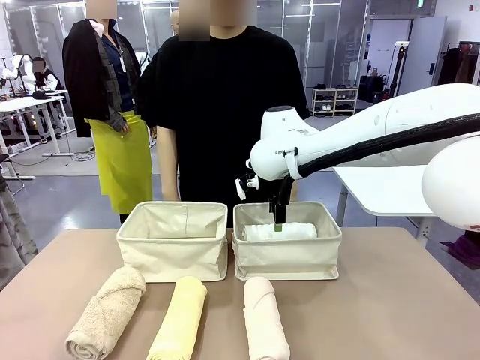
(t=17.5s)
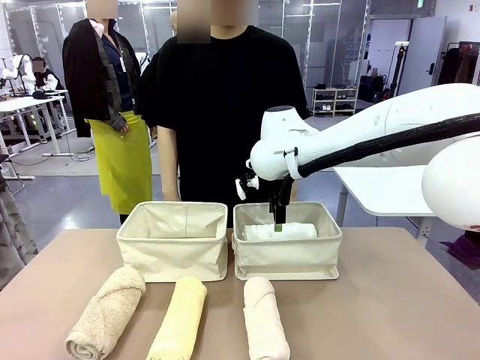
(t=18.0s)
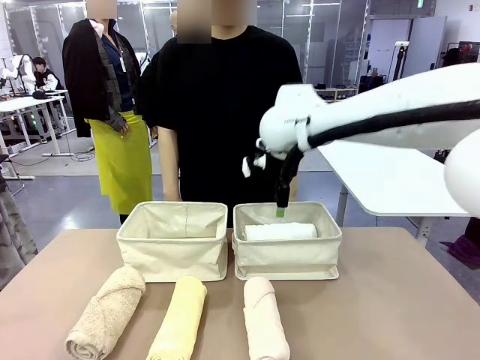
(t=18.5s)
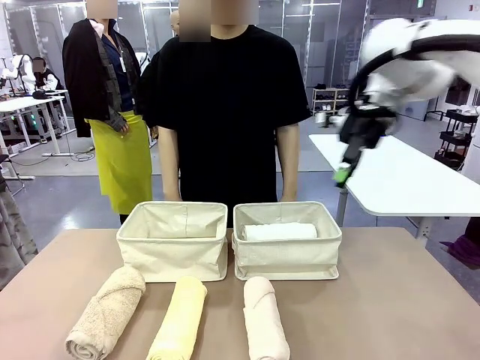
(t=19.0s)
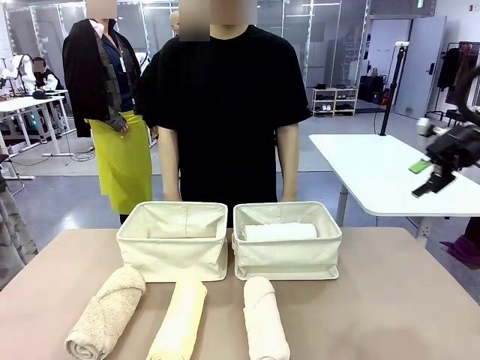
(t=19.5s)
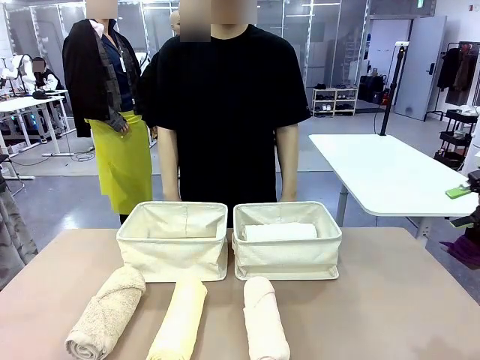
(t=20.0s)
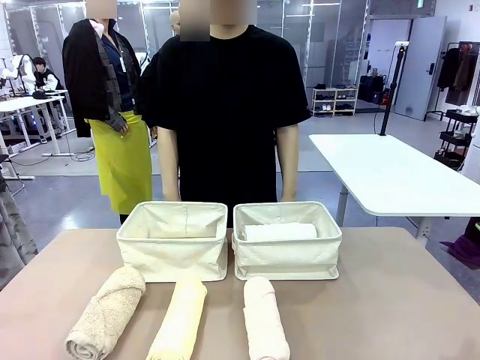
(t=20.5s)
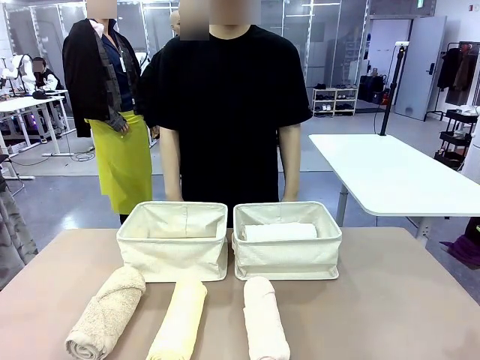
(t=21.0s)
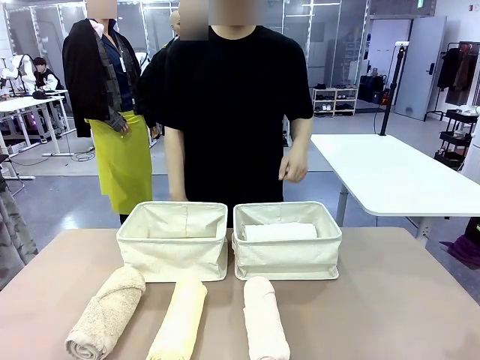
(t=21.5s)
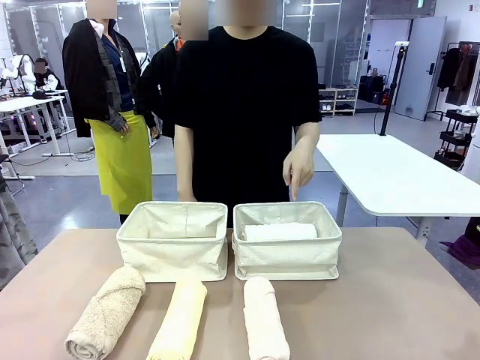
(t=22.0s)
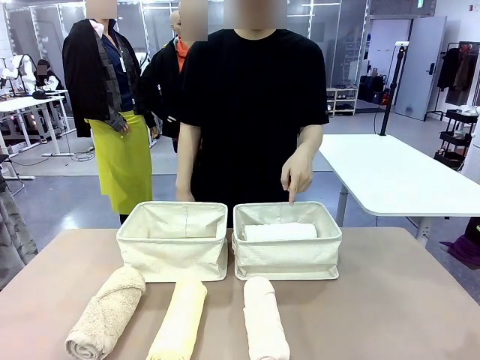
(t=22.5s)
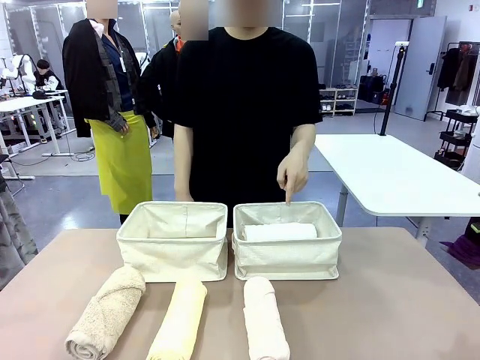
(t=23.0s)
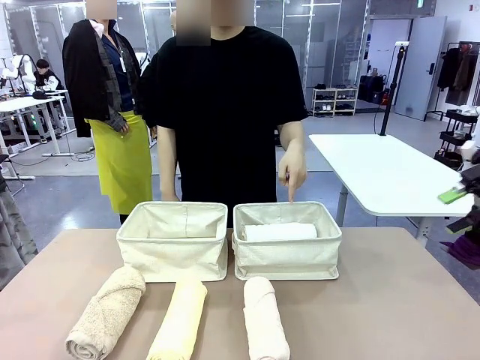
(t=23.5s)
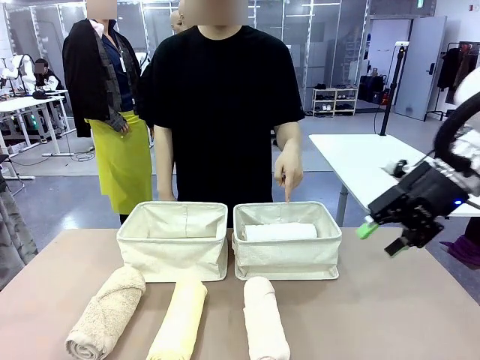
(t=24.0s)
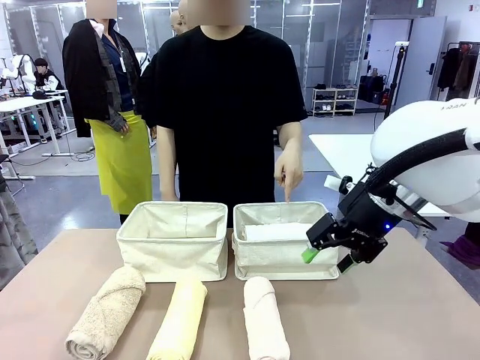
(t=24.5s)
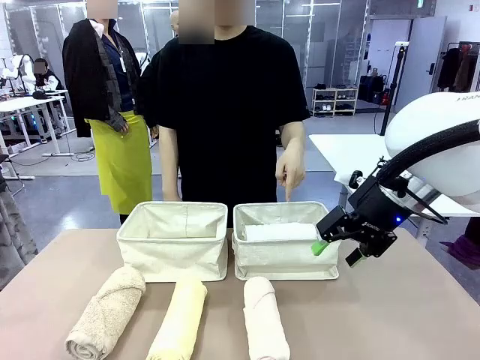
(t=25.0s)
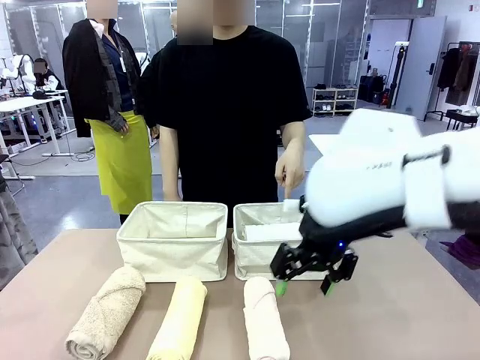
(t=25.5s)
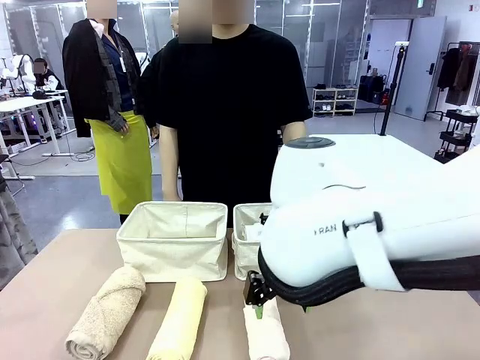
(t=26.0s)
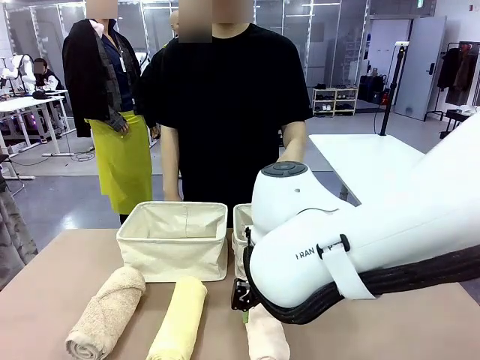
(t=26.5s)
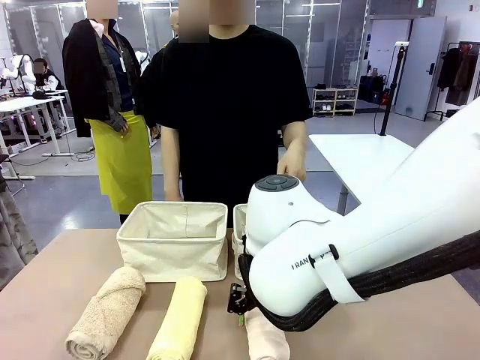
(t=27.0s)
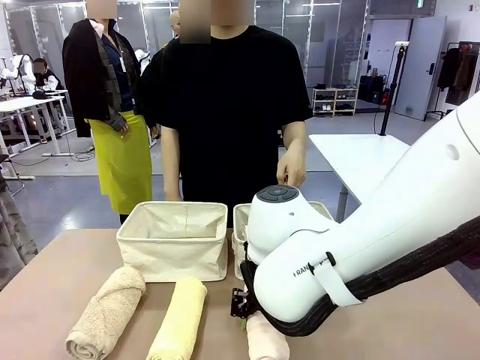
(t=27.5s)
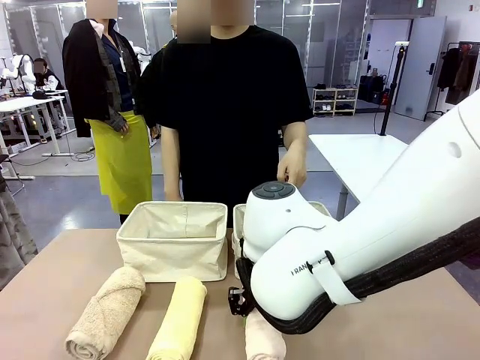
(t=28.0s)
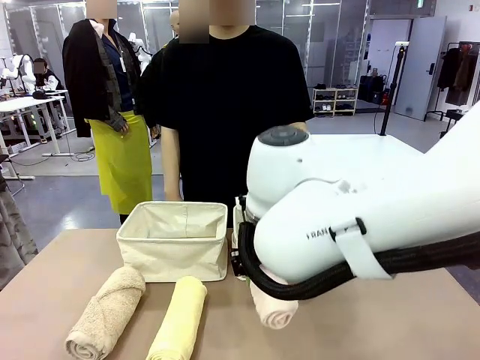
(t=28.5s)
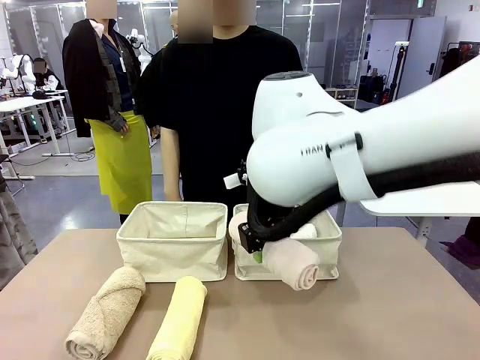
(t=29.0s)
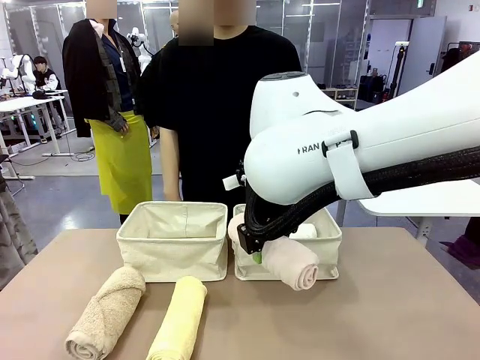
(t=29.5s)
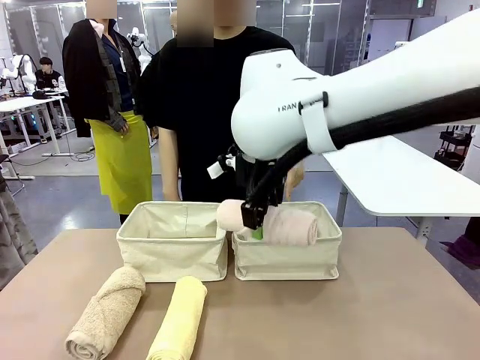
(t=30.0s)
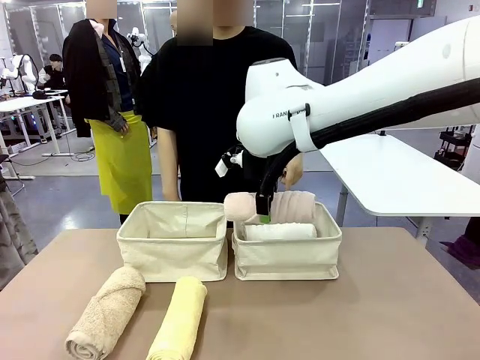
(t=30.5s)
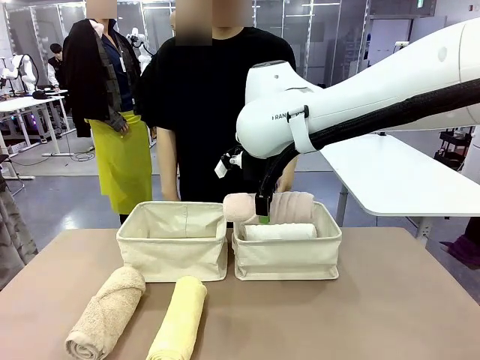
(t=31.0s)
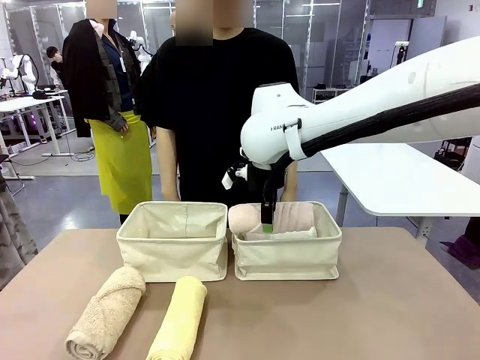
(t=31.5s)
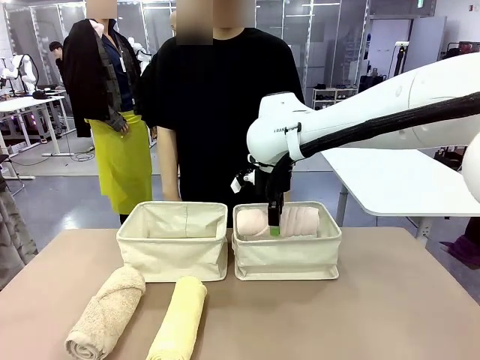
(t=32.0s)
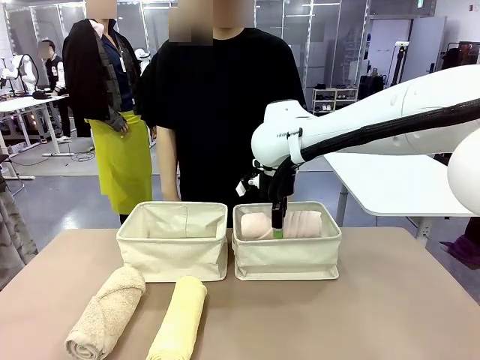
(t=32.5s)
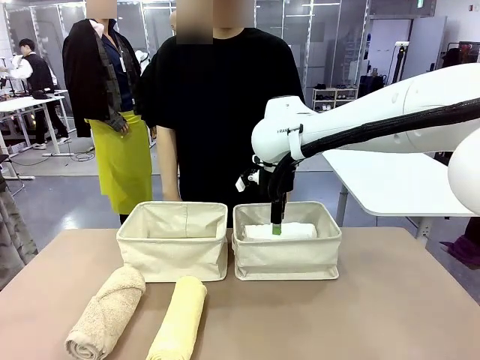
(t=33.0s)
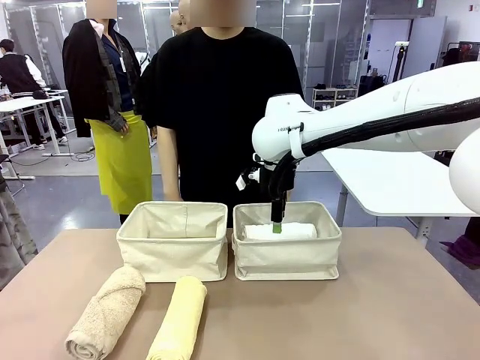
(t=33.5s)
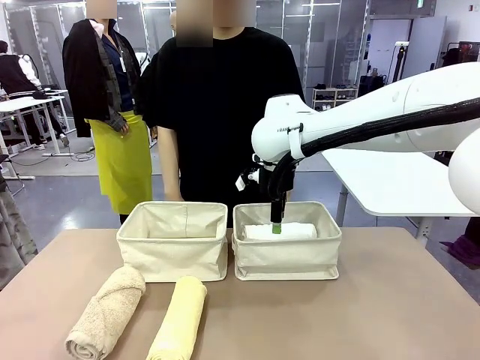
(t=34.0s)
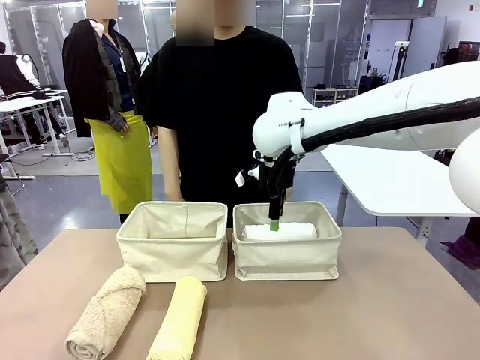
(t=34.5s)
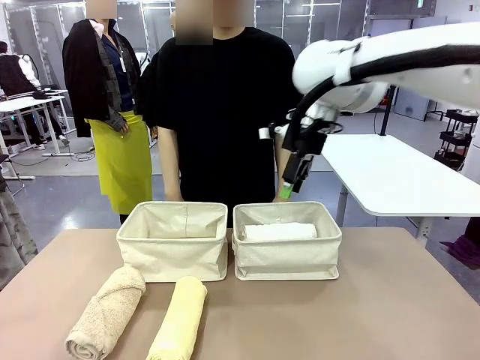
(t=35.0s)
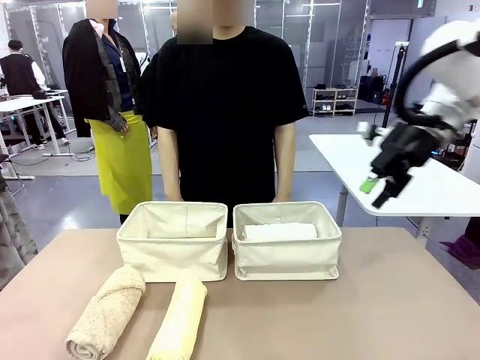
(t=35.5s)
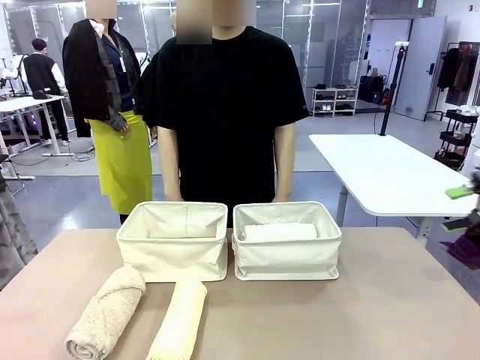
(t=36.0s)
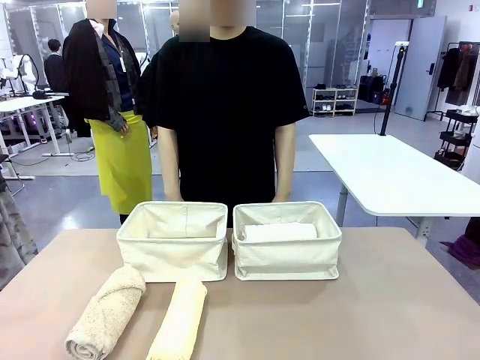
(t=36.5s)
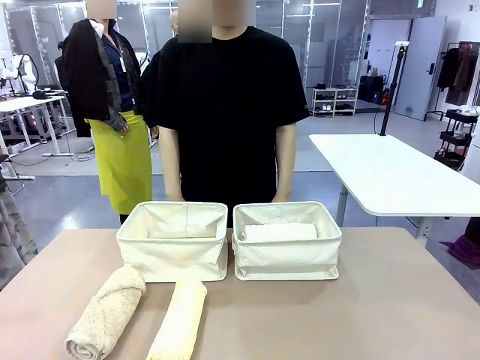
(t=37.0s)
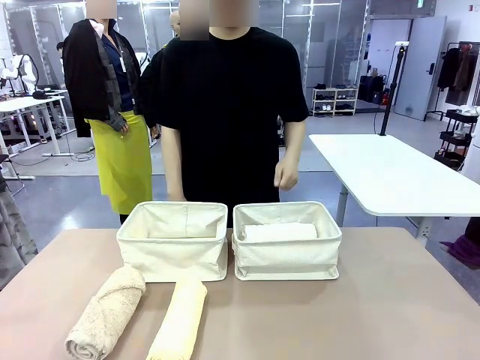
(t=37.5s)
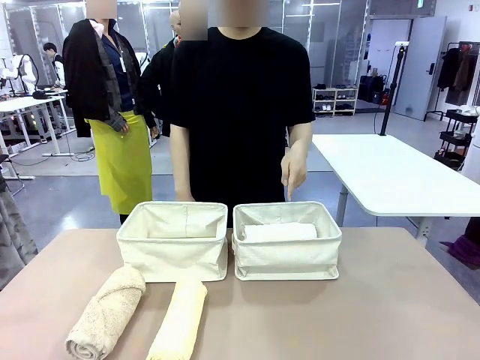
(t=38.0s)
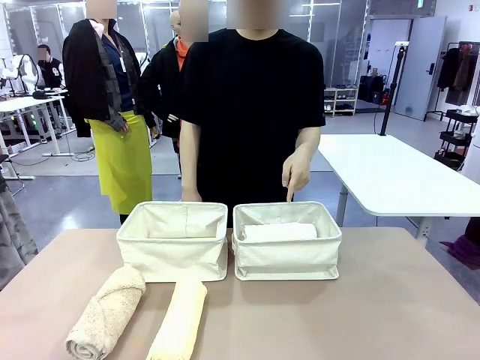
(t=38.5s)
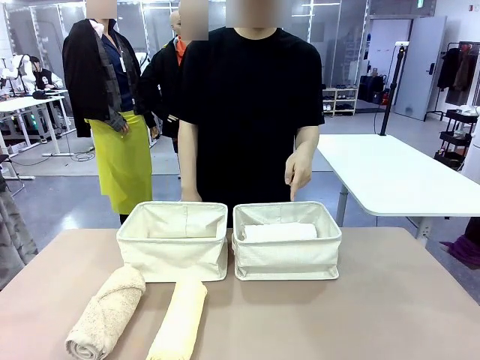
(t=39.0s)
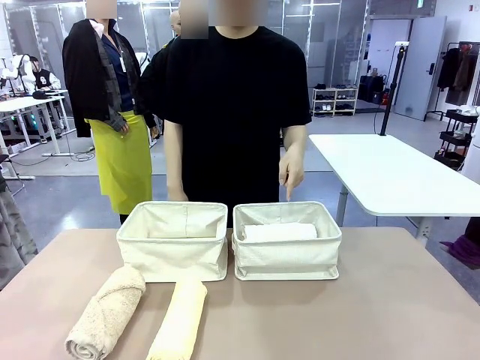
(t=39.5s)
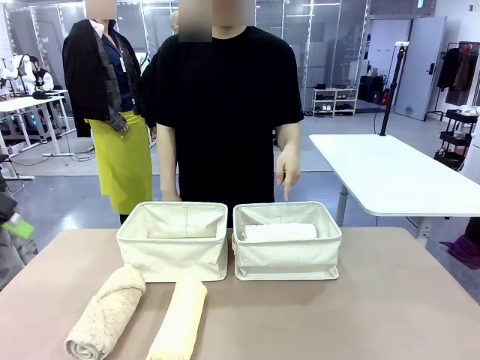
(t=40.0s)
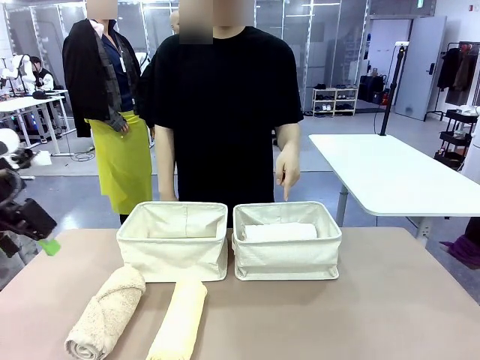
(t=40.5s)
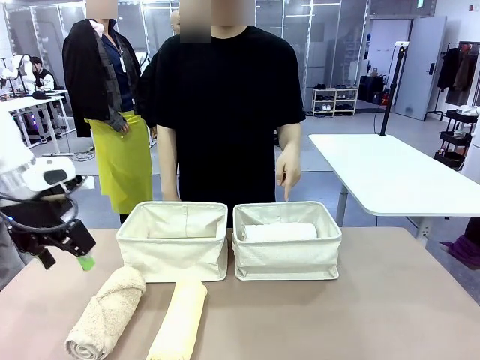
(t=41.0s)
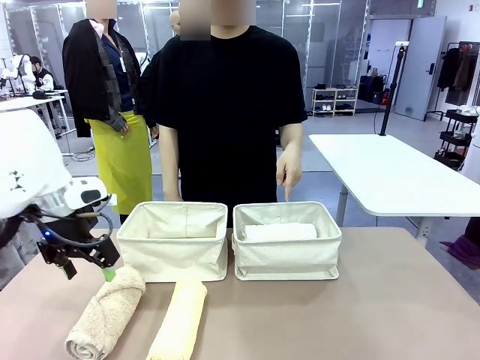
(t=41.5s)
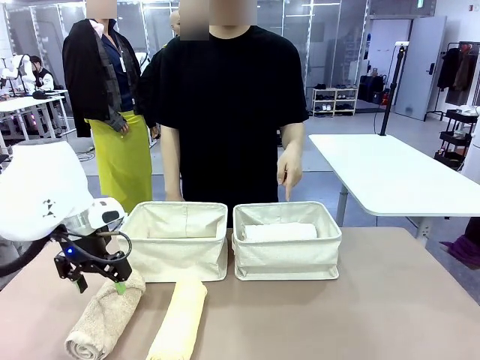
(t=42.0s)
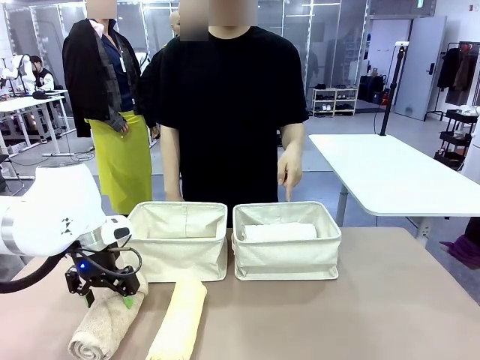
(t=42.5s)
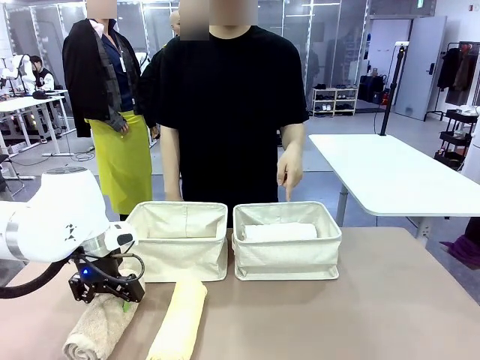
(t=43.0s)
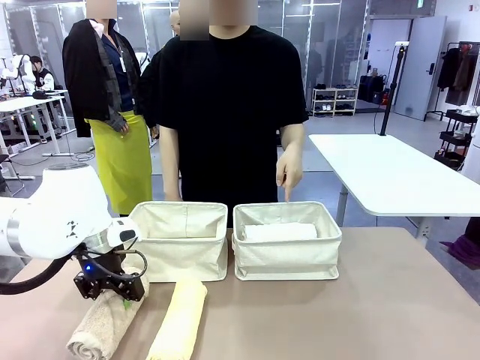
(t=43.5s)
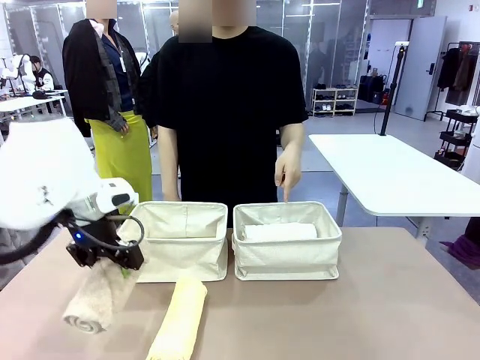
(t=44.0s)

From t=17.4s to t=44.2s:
Task: Divide the towels into two baskets.
Robot: Pick up one hotel-folded towel from the bottom of the table and place it in the Fabric basket indicated by the person.
